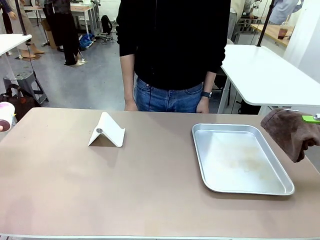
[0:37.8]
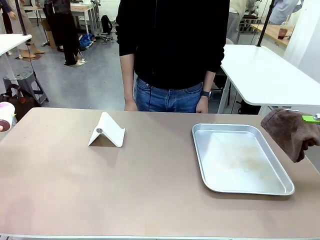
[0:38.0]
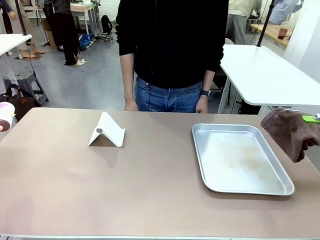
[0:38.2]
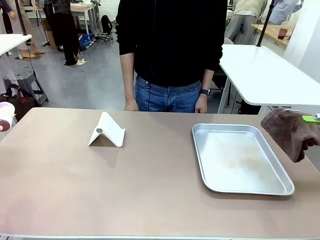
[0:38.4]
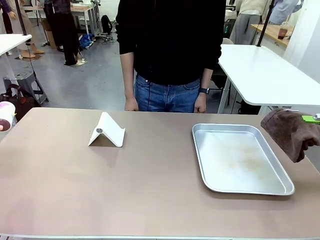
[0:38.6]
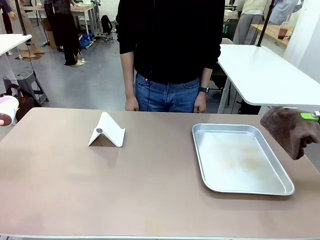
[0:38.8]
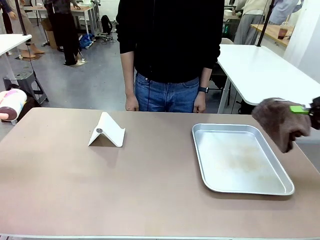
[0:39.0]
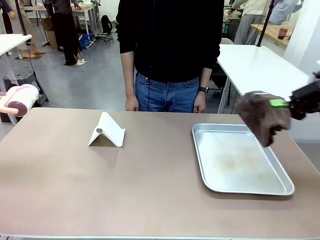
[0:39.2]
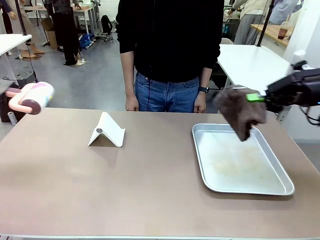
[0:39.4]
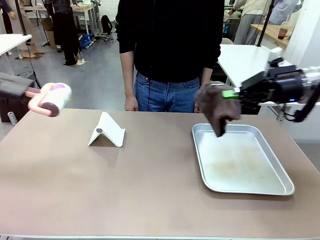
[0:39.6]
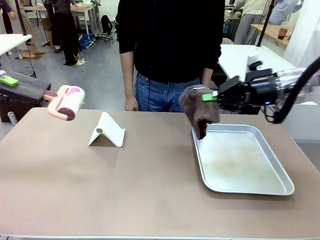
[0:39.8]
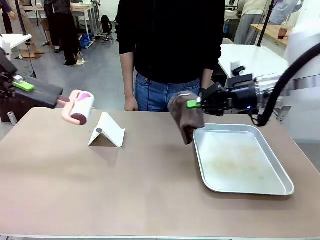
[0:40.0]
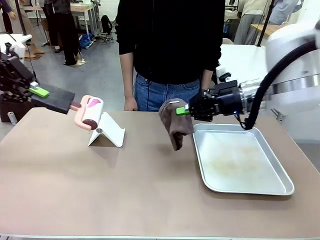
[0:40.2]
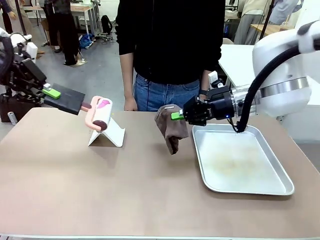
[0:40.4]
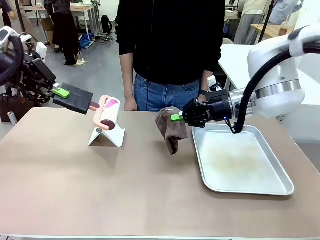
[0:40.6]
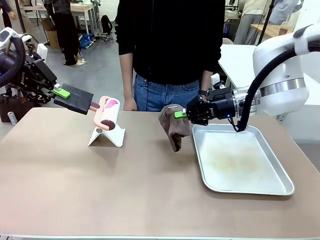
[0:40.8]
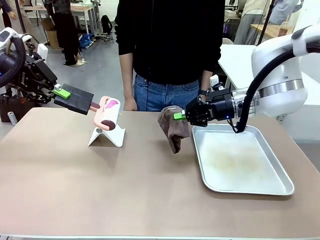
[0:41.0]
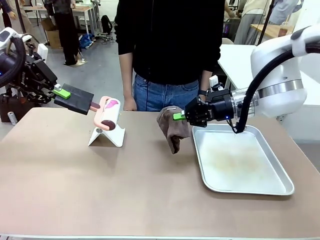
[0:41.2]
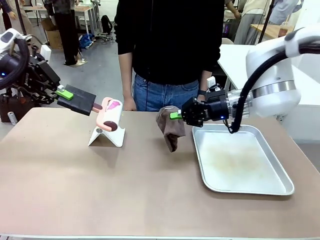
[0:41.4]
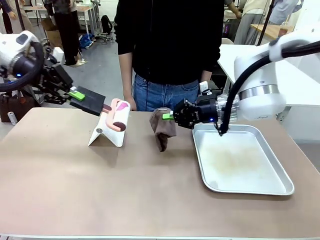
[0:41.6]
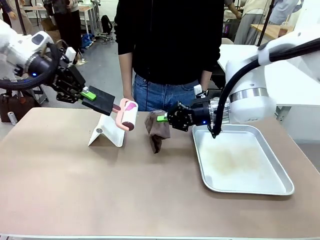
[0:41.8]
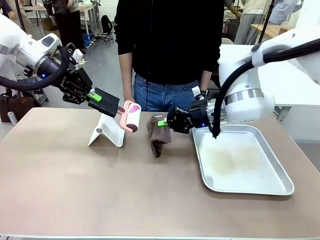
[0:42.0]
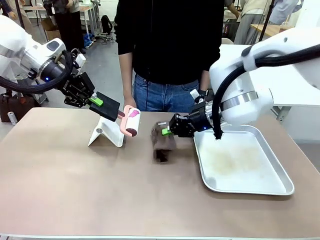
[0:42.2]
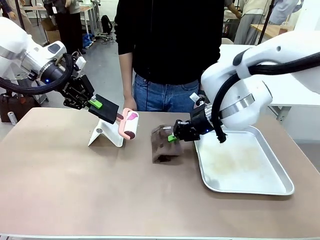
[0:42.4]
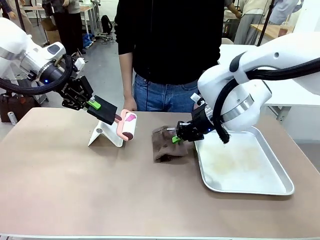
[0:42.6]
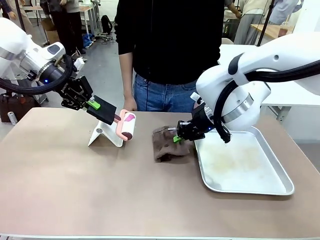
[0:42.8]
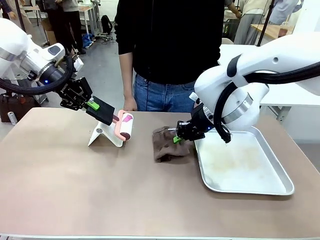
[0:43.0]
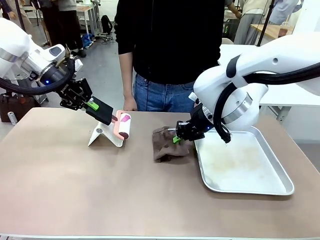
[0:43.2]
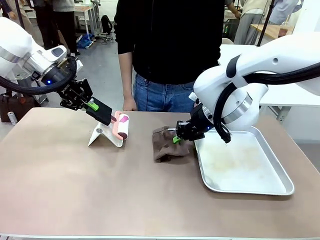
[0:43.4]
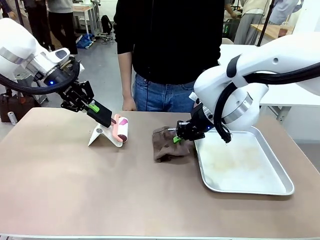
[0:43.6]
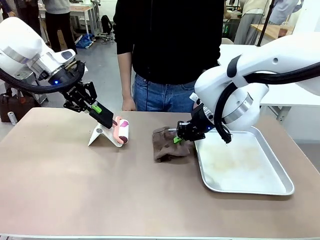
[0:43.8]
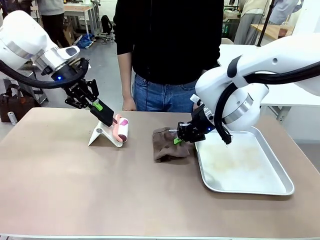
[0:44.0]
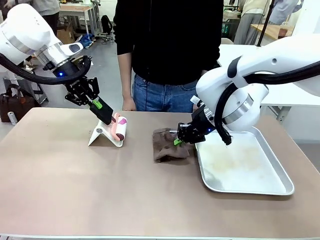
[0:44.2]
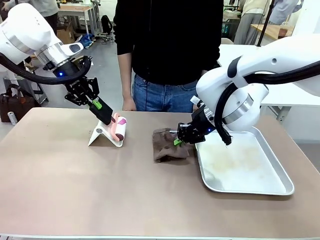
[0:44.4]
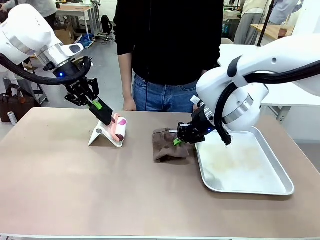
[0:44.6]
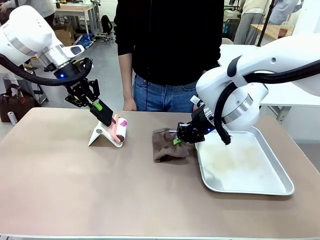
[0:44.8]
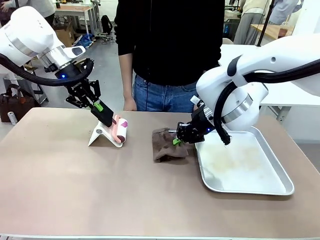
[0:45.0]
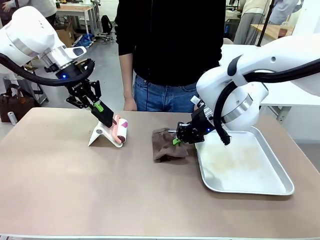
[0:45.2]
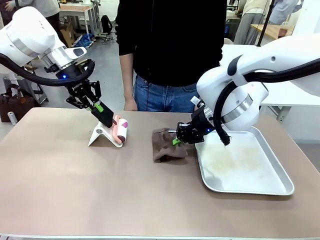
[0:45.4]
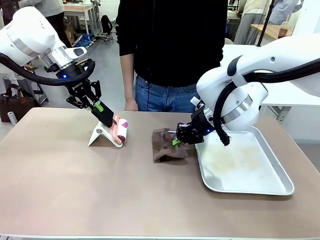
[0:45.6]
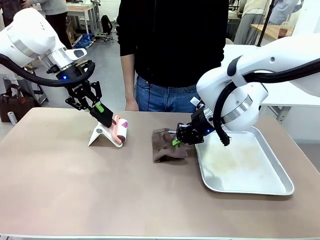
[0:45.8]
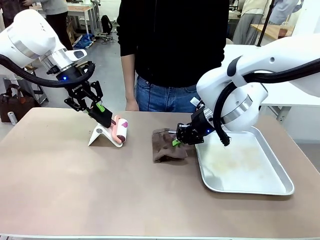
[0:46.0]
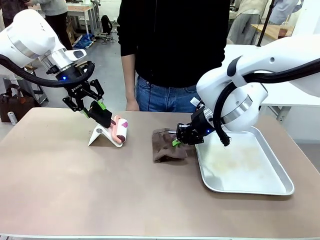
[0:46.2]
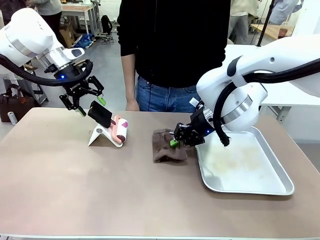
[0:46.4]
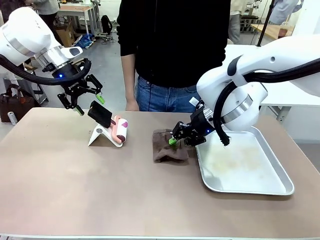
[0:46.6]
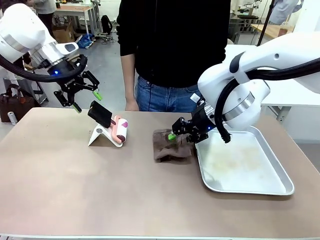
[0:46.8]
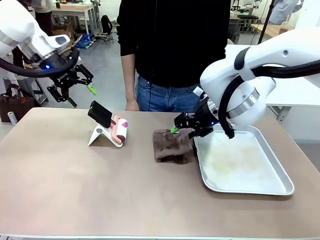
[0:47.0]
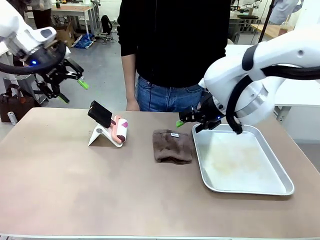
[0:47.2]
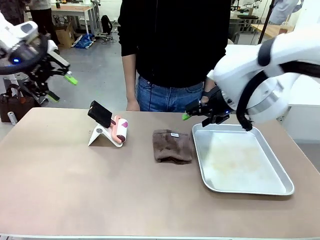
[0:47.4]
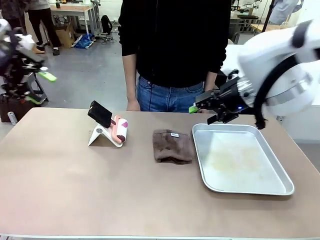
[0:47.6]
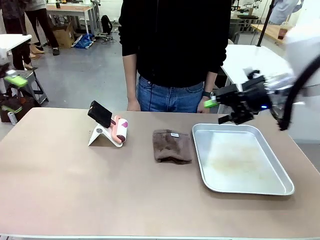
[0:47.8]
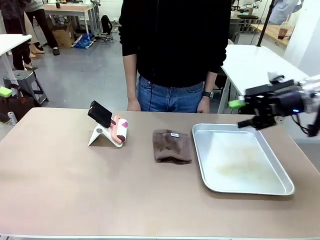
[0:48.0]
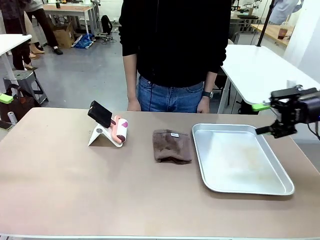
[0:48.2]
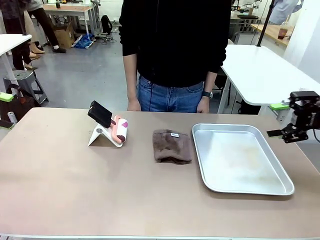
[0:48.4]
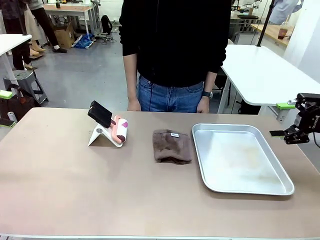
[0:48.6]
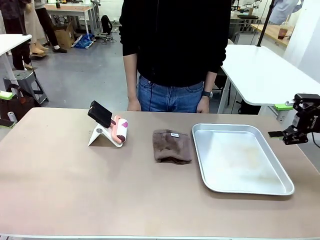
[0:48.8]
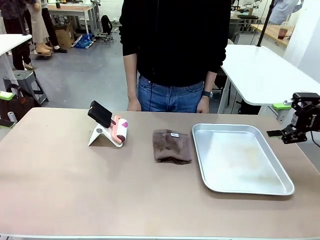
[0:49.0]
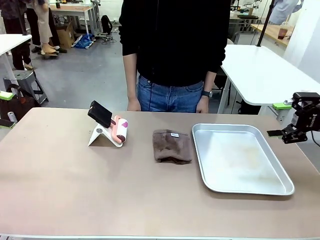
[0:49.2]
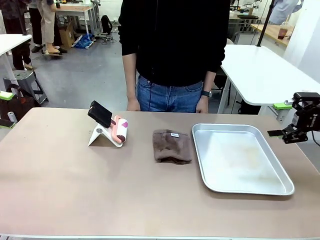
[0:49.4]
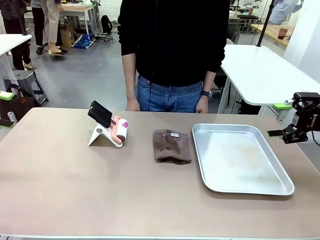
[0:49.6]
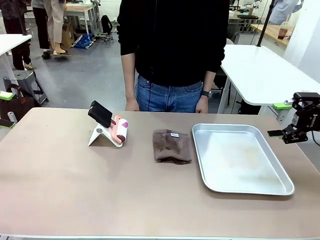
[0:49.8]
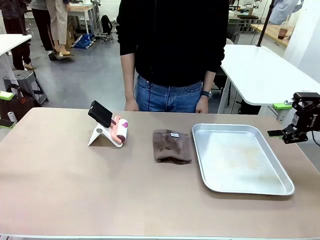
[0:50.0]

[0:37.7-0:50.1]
Task: Clean the surface of the table.
Robot: Return the Lint Roller and towel to their original positions.

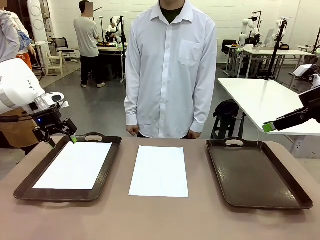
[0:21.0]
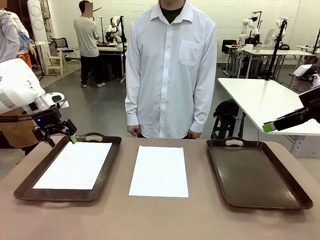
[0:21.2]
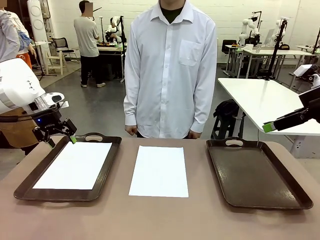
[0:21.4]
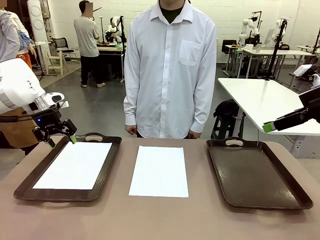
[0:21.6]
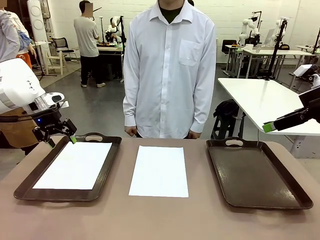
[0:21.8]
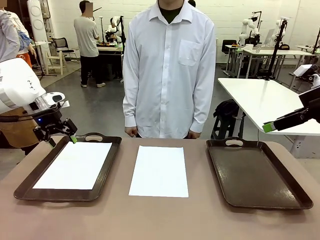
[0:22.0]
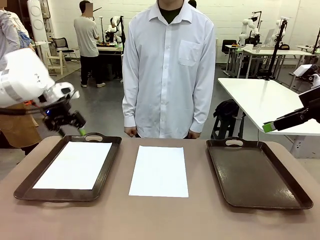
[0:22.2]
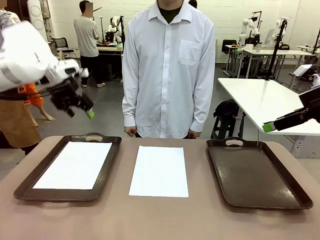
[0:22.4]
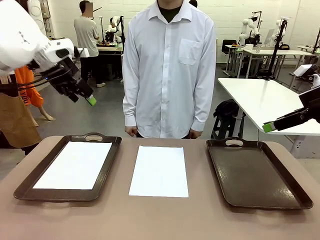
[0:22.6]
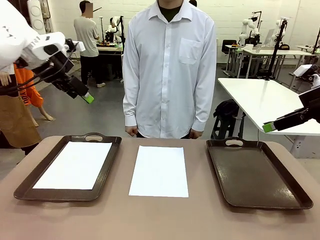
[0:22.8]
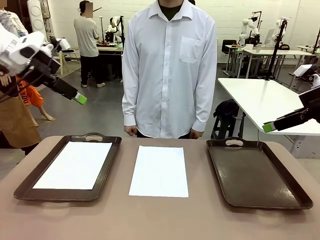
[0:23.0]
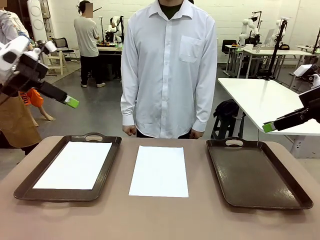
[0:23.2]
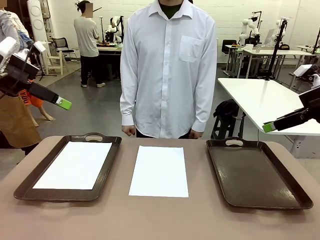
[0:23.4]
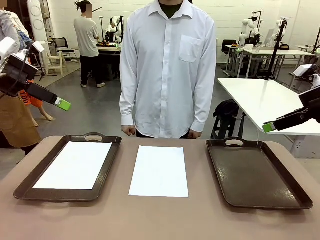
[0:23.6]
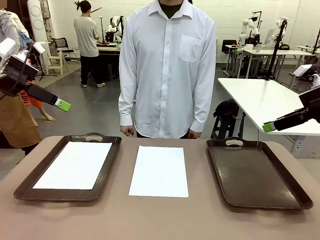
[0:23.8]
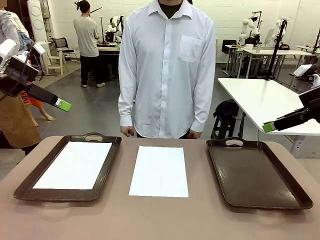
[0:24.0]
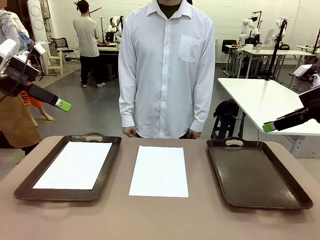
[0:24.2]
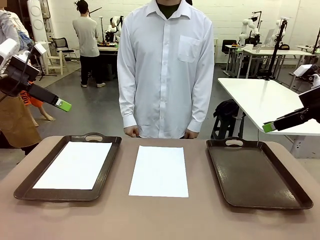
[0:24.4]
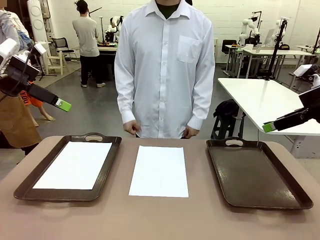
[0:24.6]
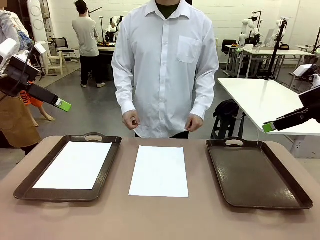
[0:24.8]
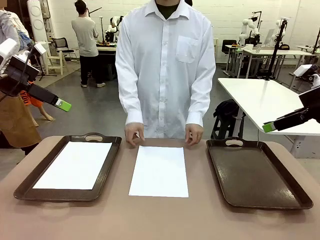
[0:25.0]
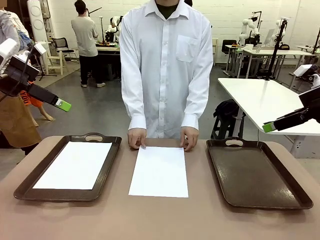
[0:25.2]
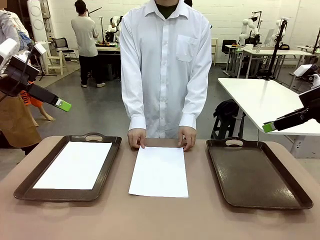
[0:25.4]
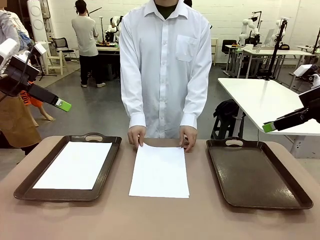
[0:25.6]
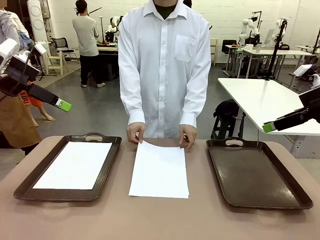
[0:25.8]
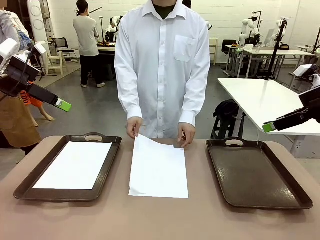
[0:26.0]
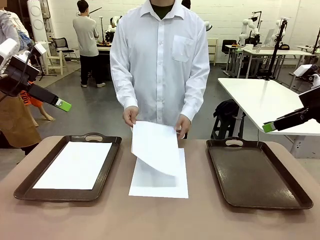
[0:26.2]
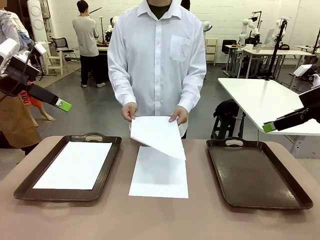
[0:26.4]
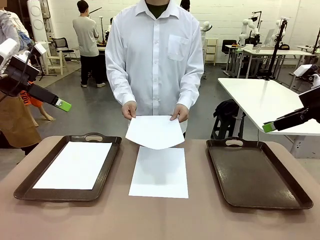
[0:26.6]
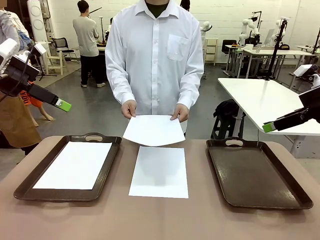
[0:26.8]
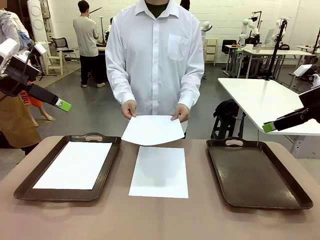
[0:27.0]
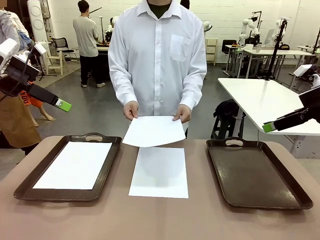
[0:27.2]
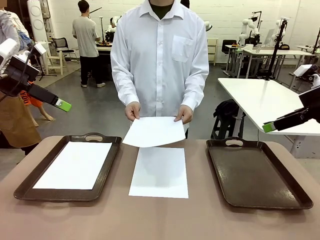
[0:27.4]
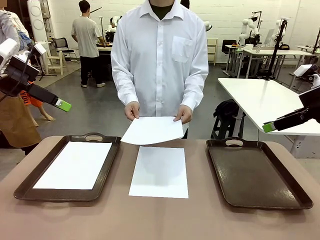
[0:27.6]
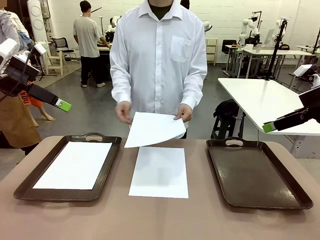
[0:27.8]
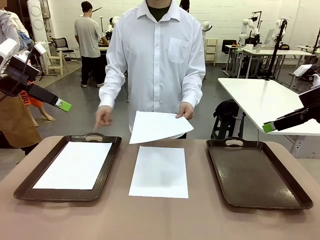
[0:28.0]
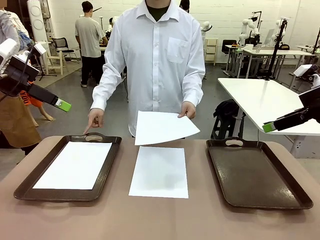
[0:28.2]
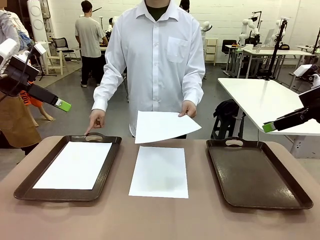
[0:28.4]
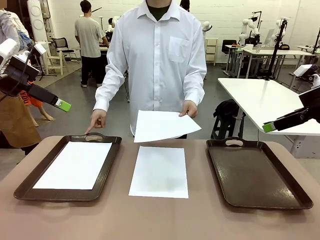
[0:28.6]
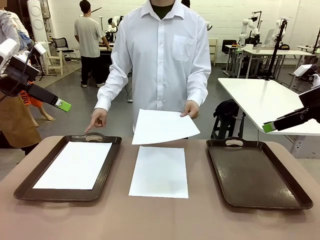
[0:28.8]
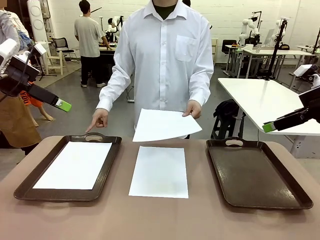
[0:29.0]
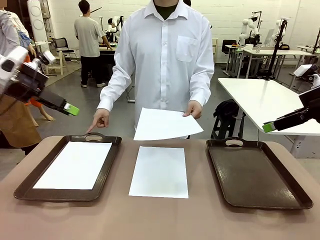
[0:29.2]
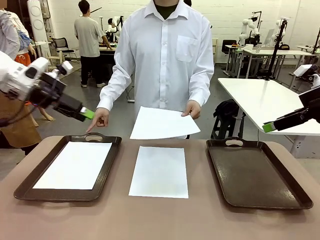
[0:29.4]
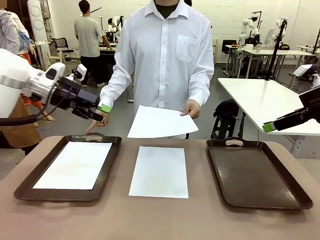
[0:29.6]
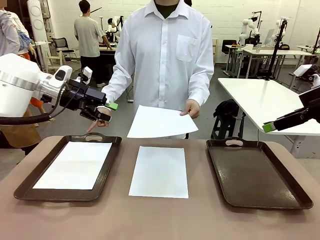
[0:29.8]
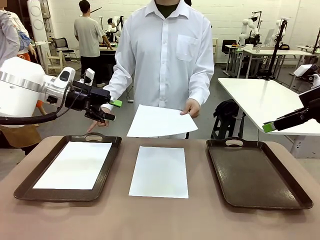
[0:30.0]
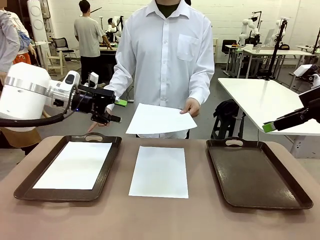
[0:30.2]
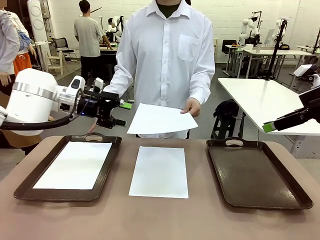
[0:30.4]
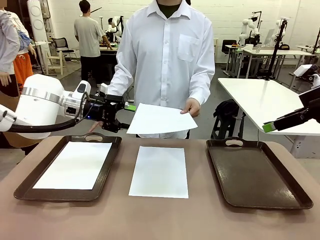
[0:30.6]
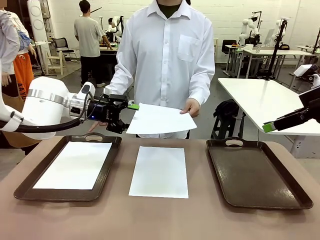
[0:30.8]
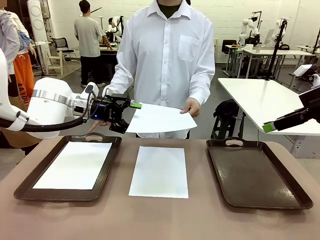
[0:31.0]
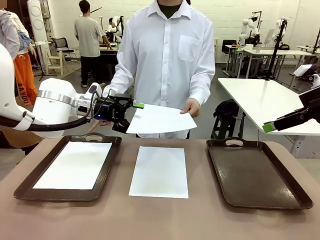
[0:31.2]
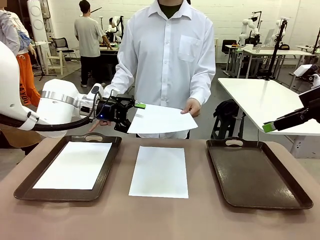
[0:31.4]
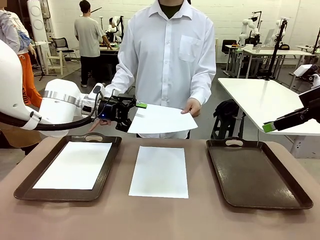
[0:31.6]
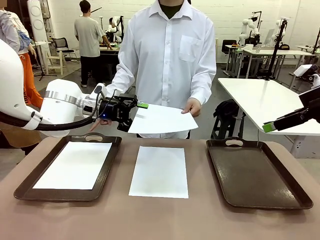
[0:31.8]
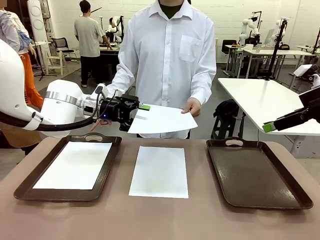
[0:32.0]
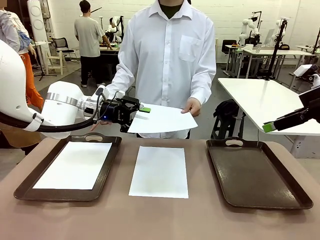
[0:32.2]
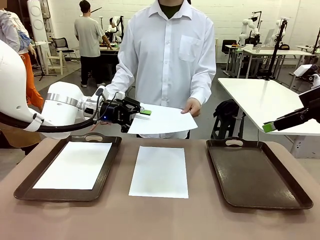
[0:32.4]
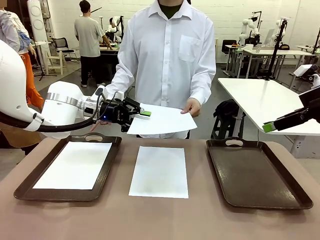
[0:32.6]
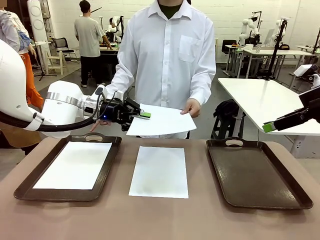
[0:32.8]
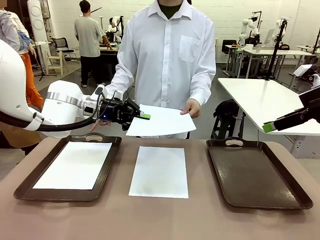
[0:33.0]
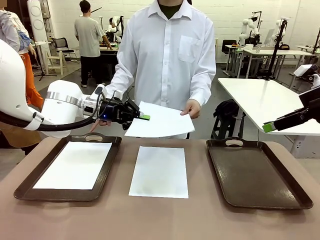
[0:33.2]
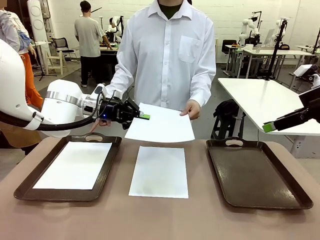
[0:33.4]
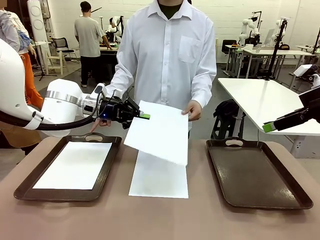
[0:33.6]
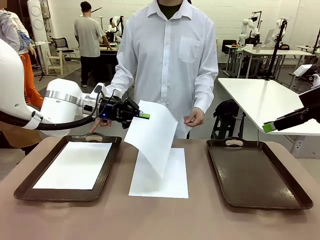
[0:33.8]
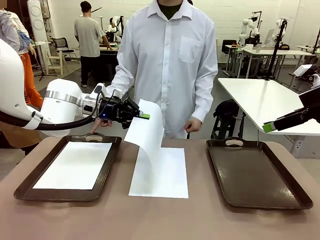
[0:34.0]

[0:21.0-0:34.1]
Task: Sort the A4 documents.
Robot: Receive the A4 Paper.
Person: Point the randomly selected tray with the other hand.
